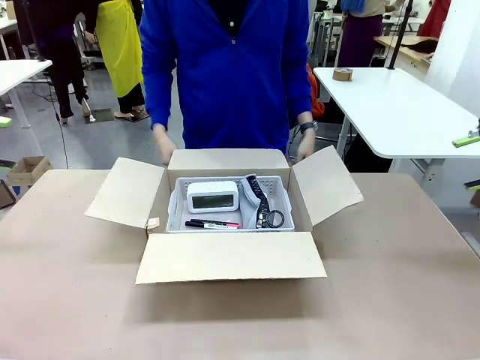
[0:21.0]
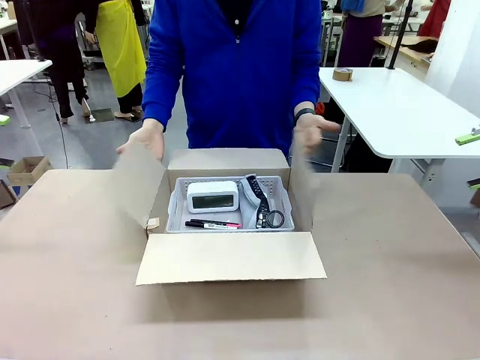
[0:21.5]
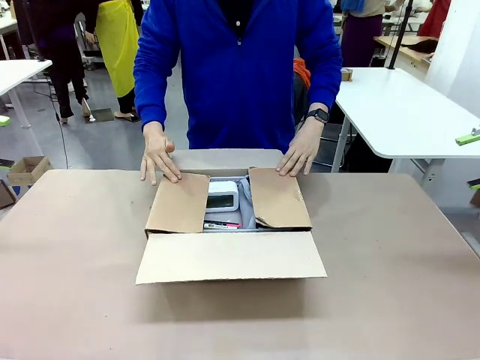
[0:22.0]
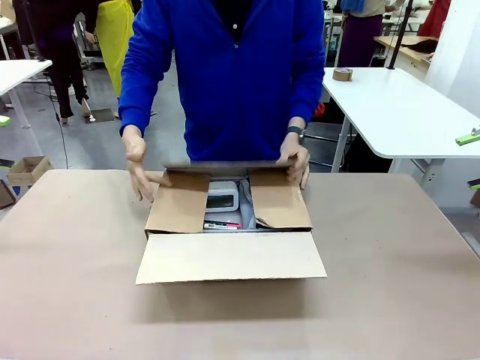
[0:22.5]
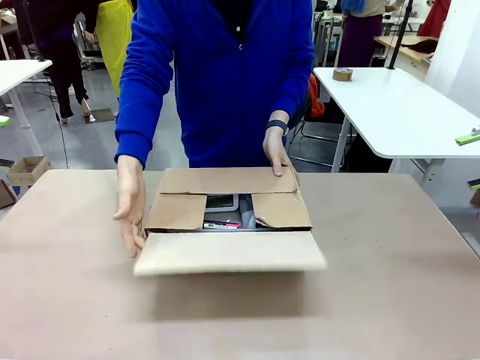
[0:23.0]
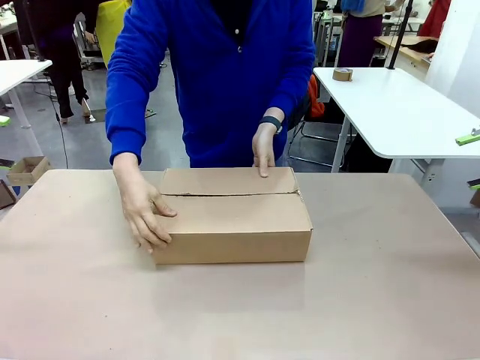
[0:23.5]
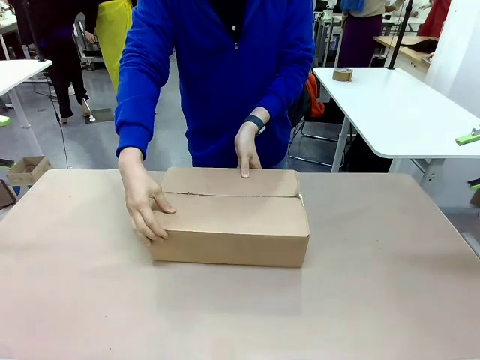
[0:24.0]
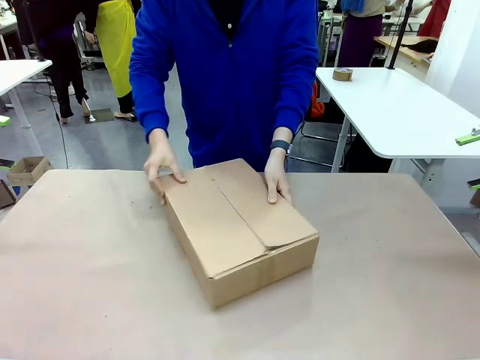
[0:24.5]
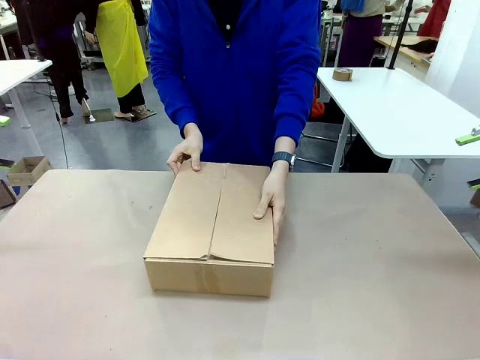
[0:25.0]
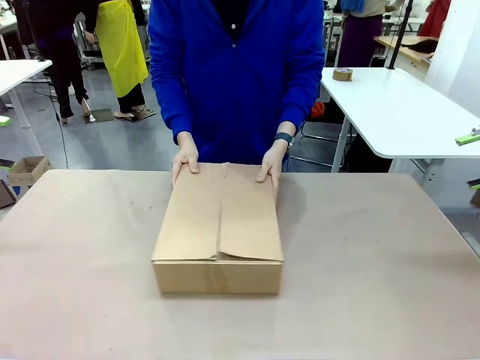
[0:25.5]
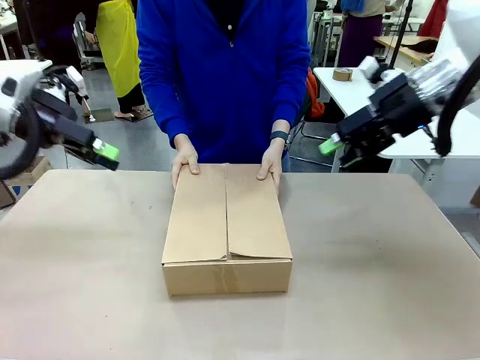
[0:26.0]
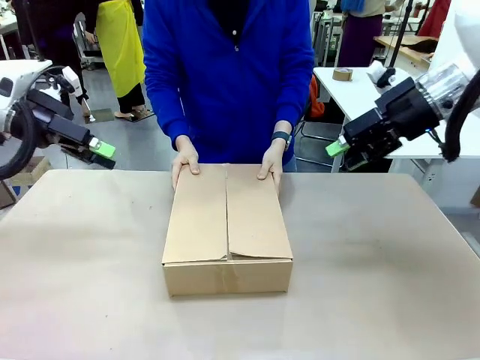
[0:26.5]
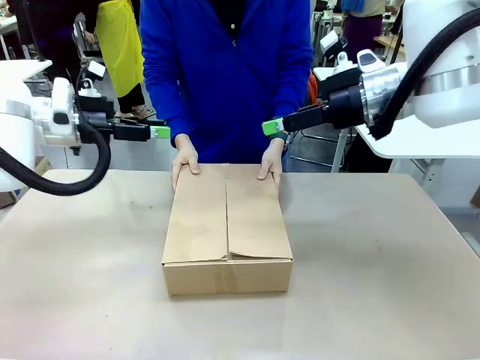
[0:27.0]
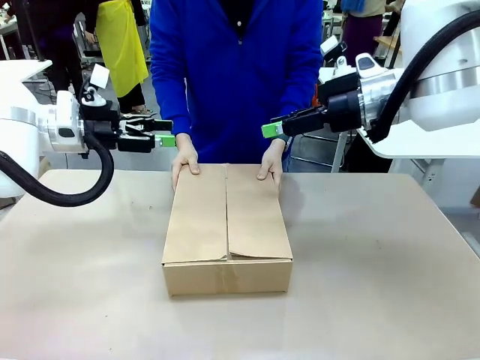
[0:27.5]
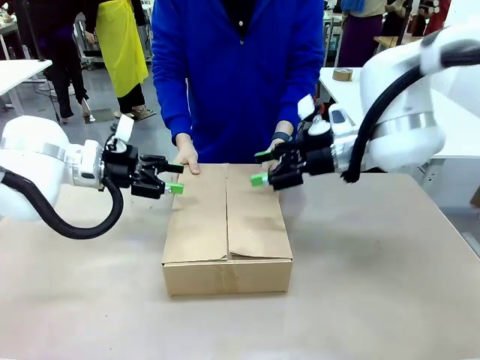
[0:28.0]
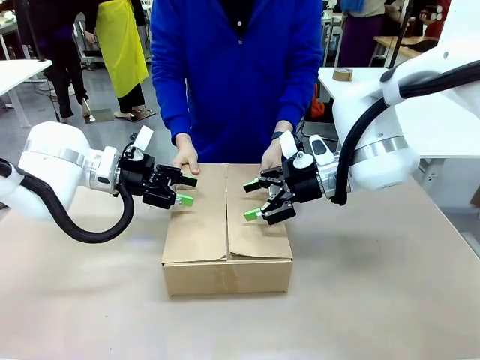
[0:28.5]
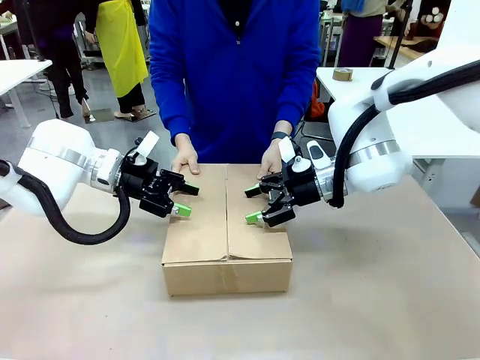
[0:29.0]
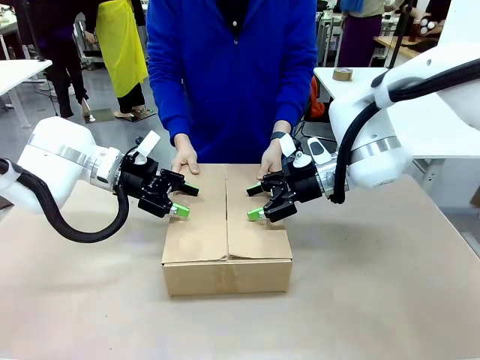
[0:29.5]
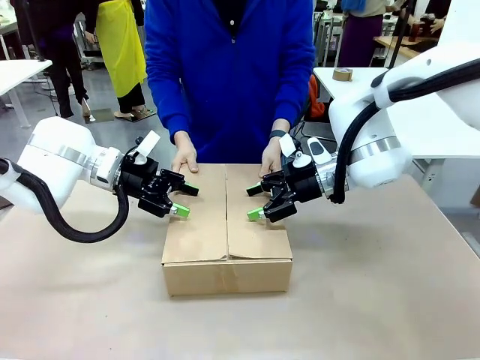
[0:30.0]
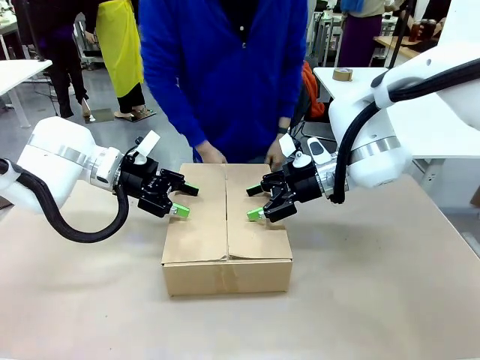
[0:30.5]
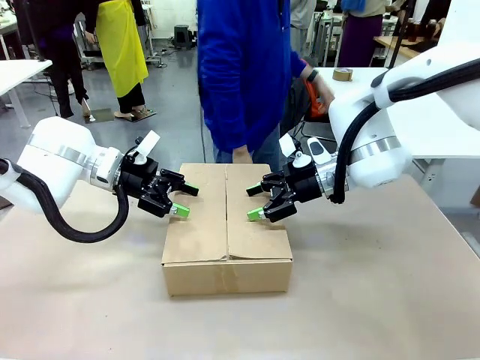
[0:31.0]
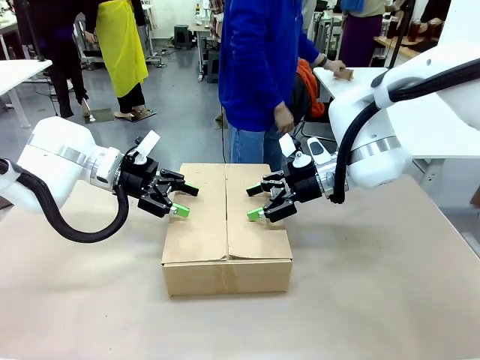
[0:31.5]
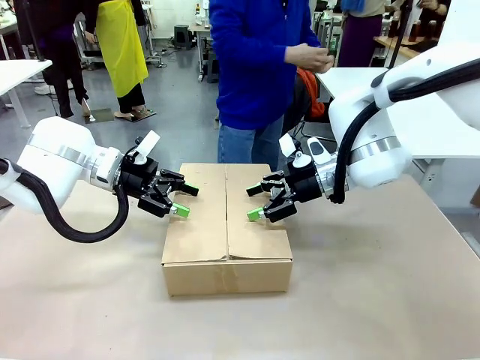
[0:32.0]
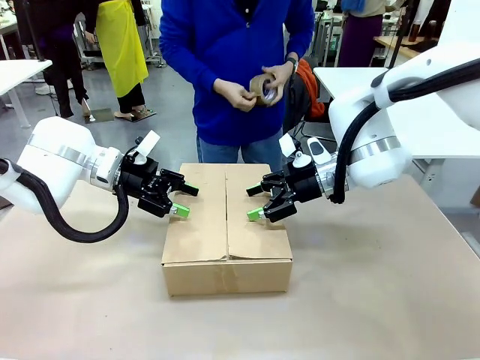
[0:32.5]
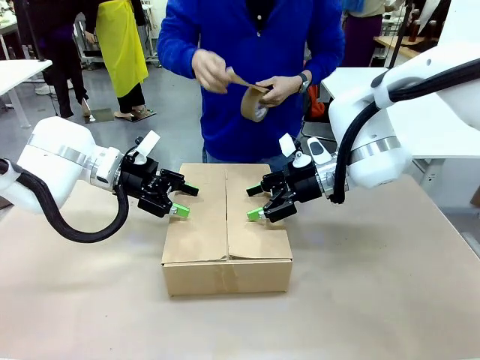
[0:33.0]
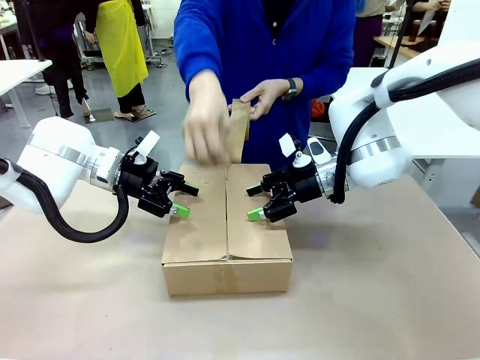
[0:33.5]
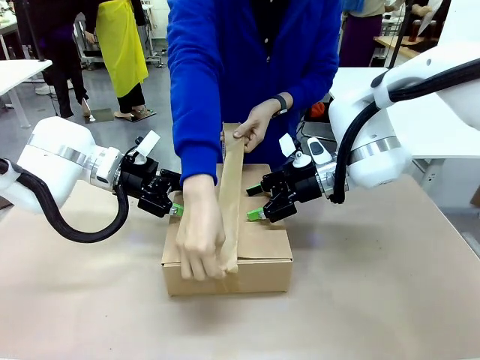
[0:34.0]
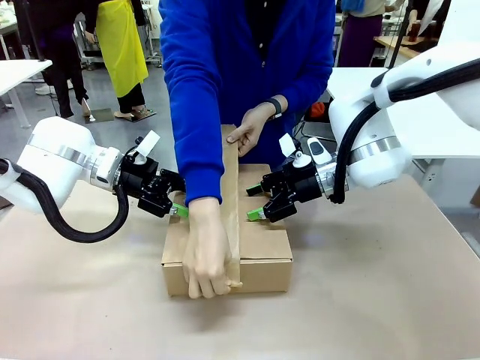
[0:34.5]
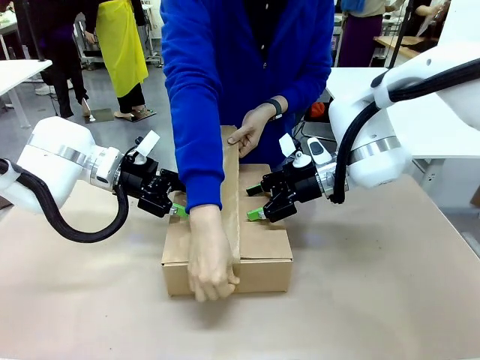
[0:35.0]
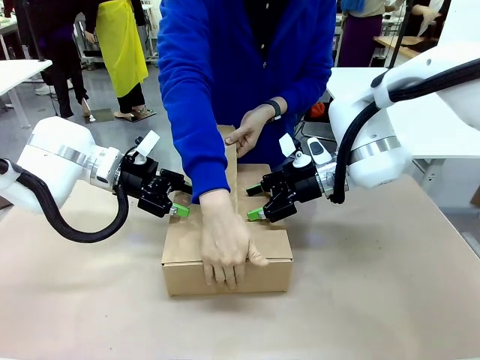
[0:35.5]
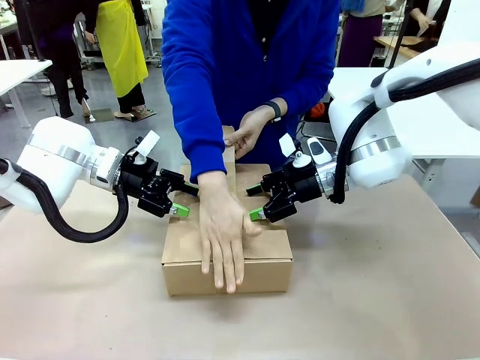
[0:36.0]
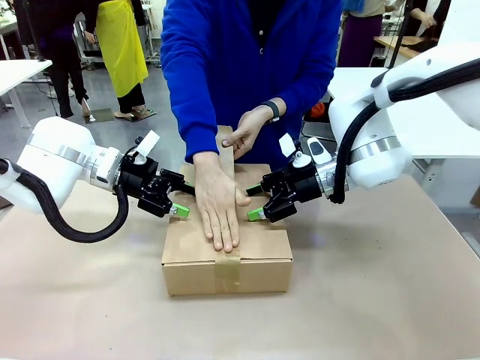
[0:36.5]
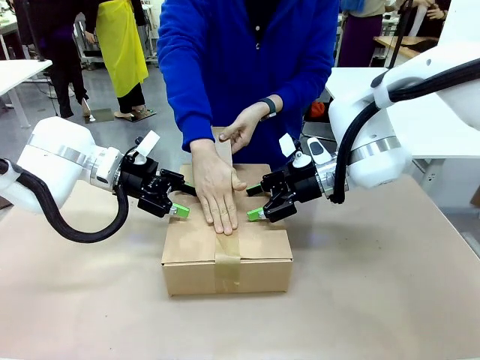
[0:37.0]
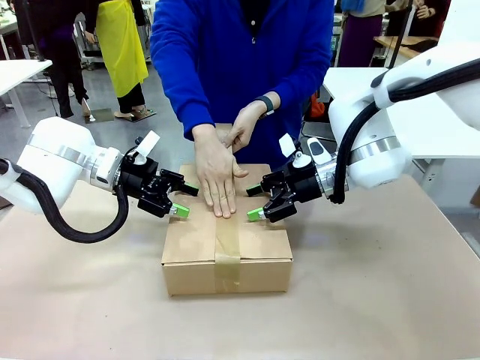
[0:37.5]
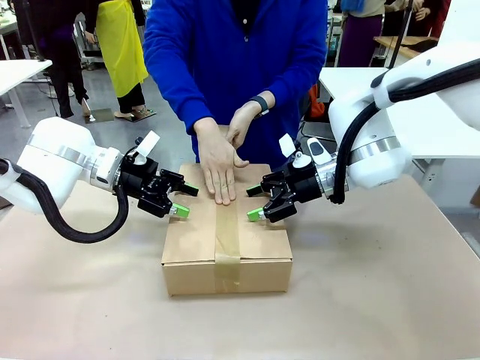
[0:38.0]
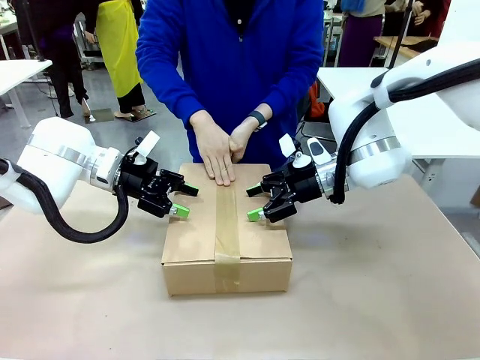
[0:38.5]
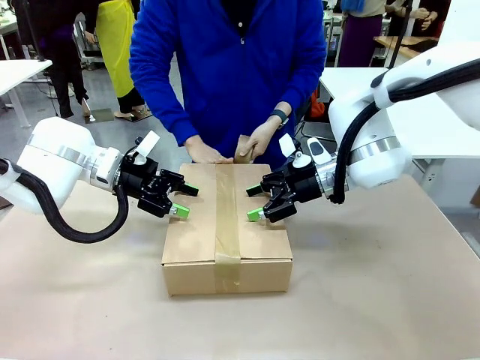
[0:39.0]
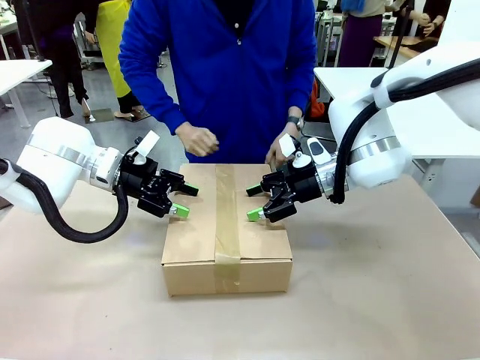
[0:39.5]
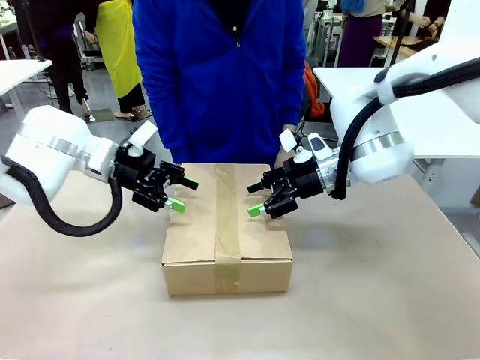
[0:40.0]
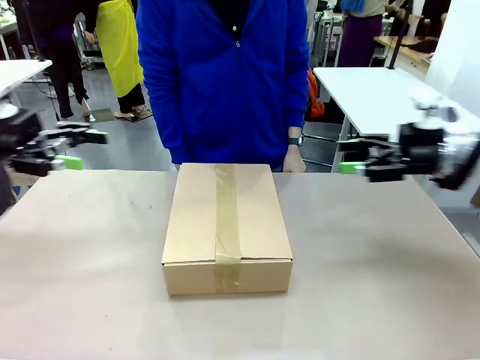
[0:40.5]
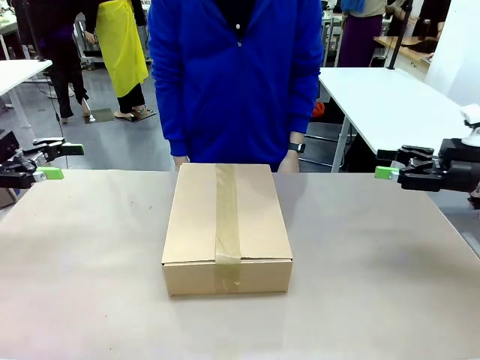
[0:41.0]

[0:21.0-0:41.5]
Task: Pack the gift set into the box.
Robot: Press and hold the closed box until the human finishes sealing it.
Person: The human closes the box and rotates the box by 90 degrees. The human picks up the paper tape from the human table and packs the box.

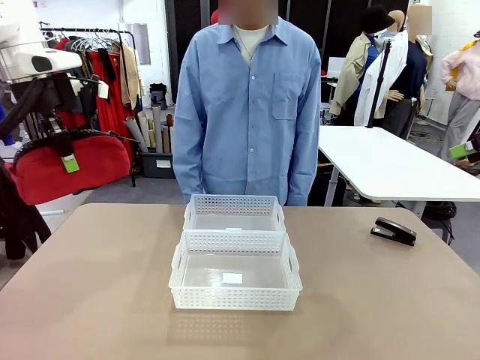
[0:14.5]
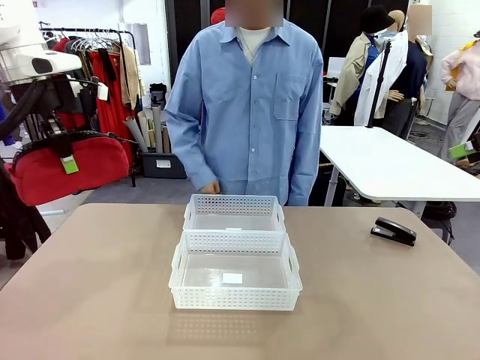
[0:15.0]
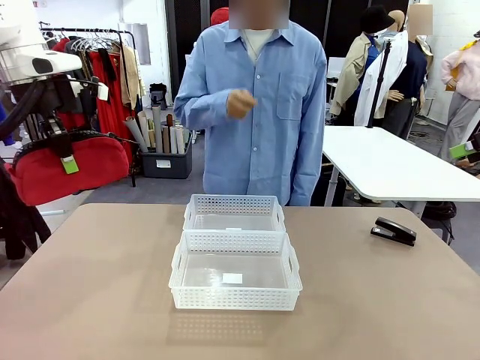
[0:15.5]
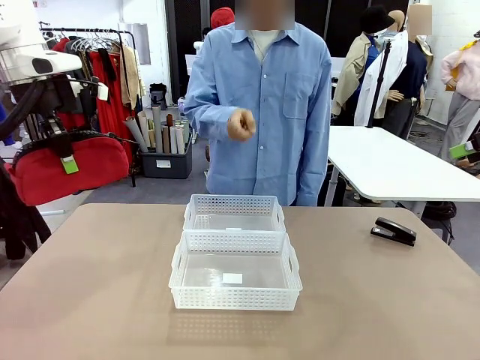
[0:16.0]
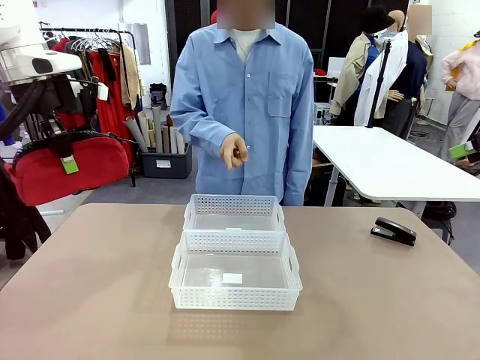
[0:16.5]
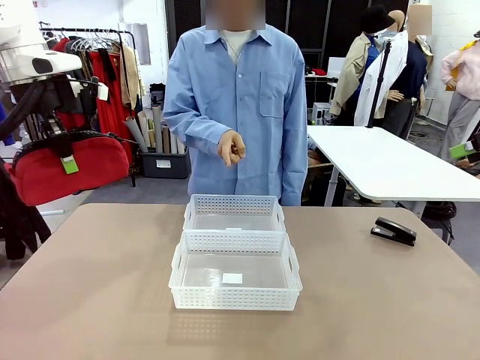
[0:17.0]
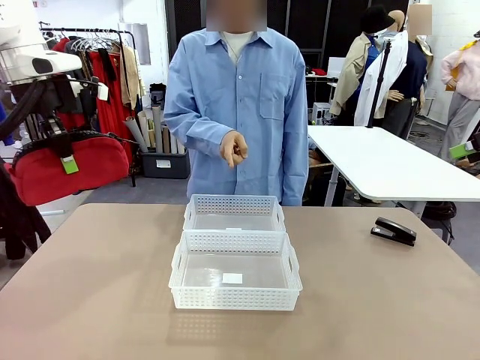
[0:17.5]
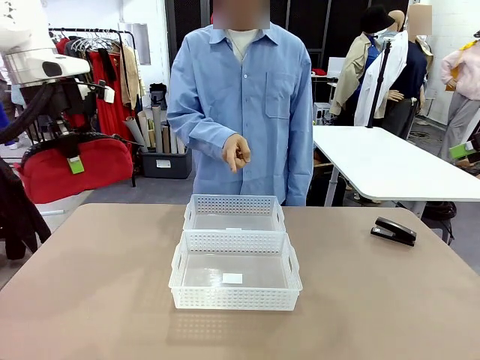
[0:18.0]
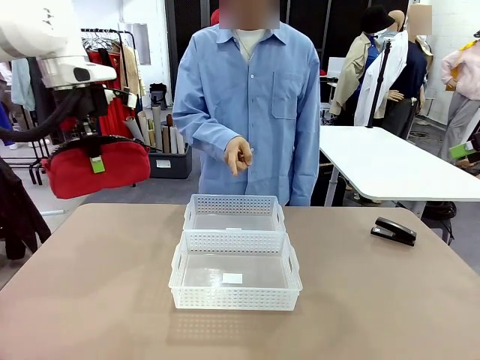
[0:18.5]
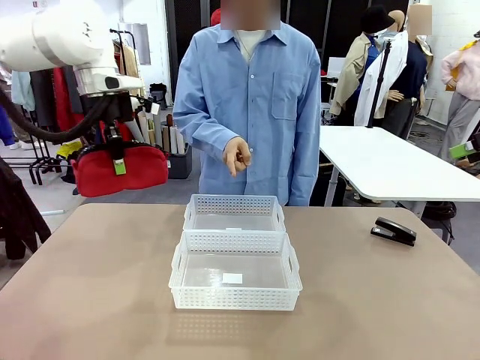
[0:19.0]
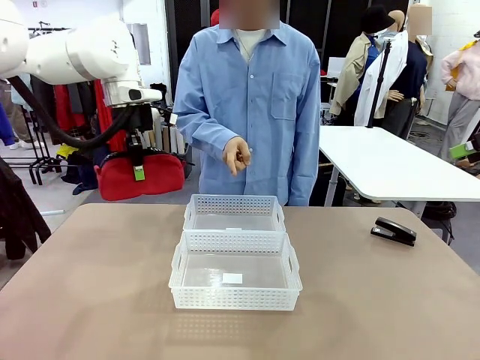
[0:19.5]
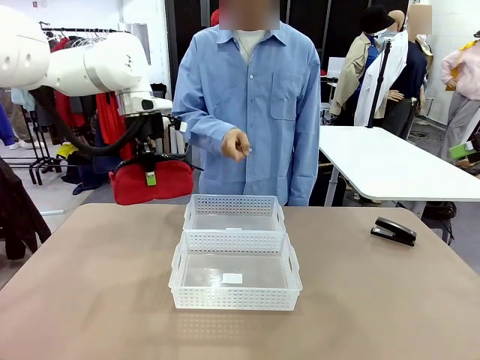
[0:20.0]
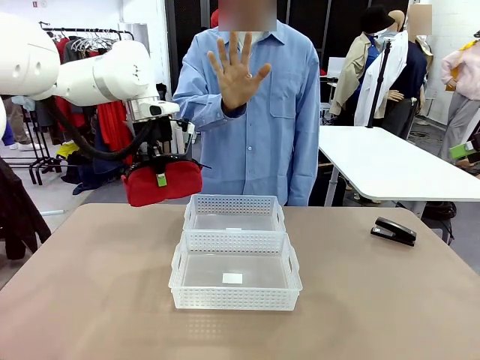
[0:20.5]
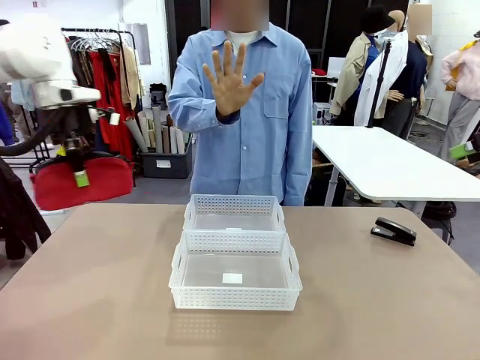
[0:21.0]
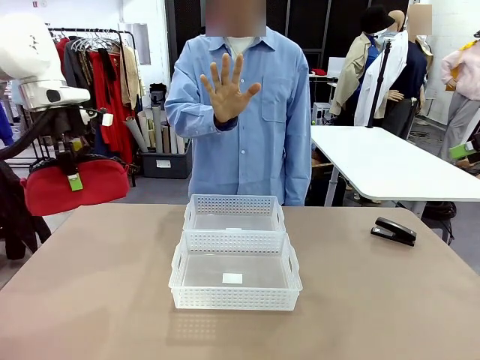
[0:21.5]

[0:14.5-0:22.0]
Task: Distribute items into two baskets.
Robot: Move the picked Pencil pouch towards the Organizing basket indicated by the person, stopping as directed.
Person: Sends a stop gesture before the robot places the pencil case into the basket.
